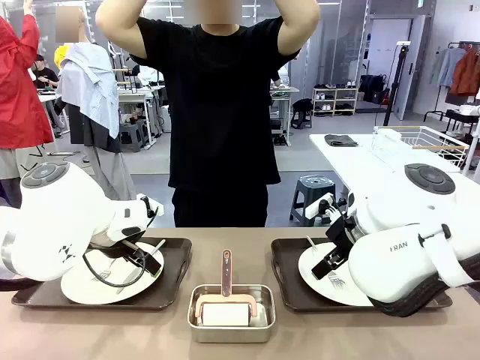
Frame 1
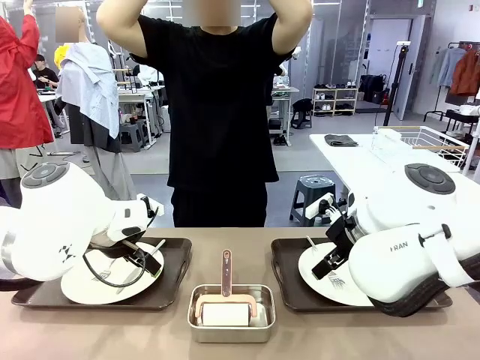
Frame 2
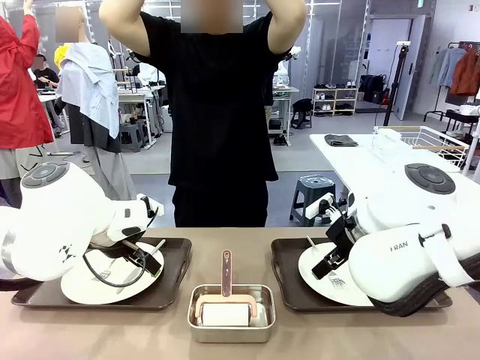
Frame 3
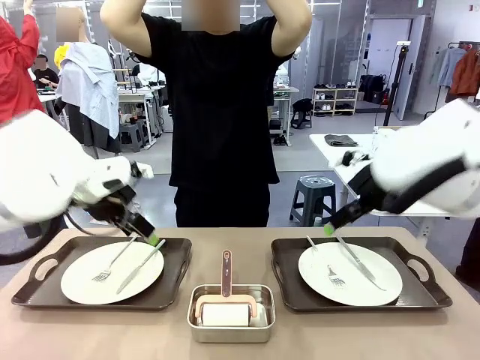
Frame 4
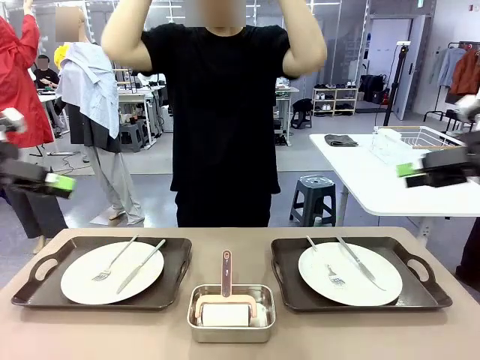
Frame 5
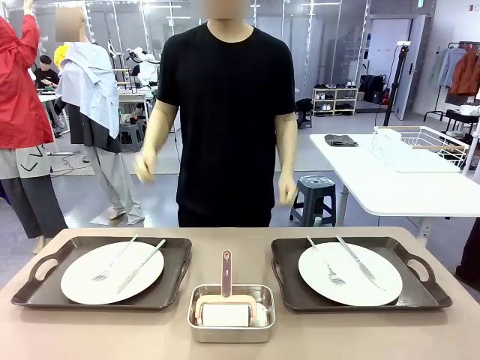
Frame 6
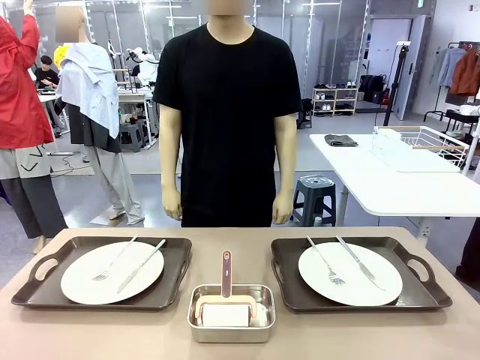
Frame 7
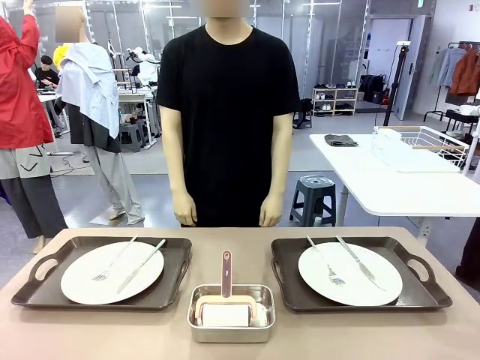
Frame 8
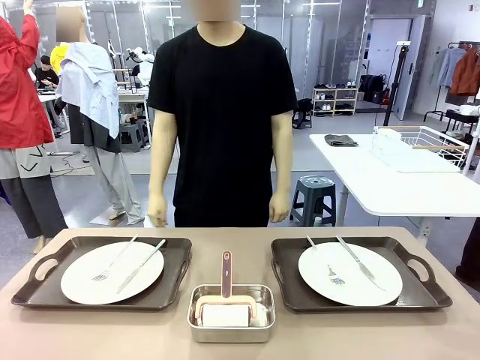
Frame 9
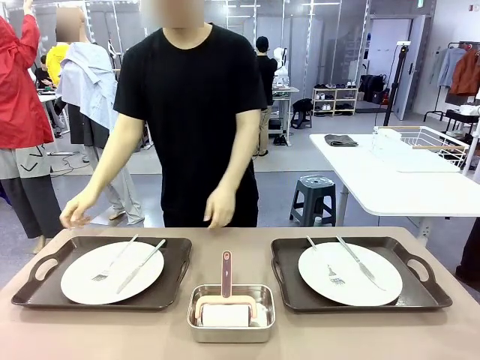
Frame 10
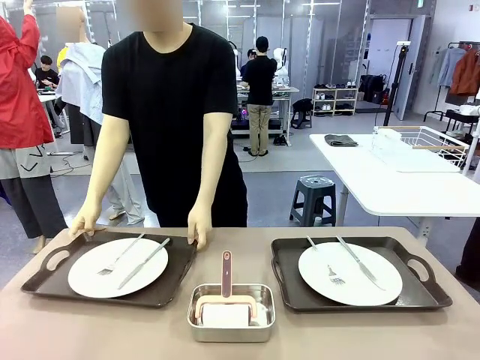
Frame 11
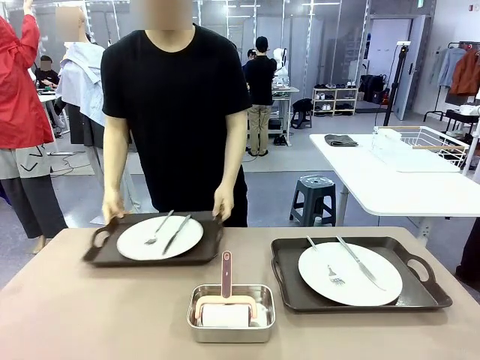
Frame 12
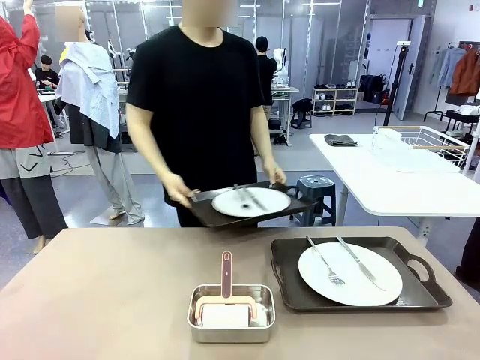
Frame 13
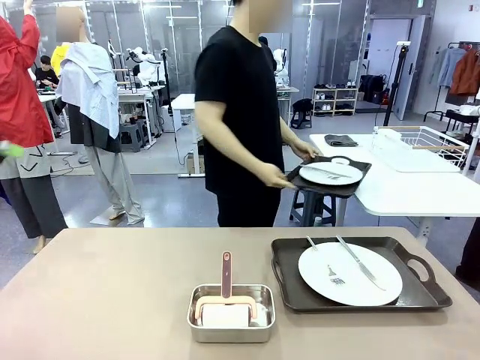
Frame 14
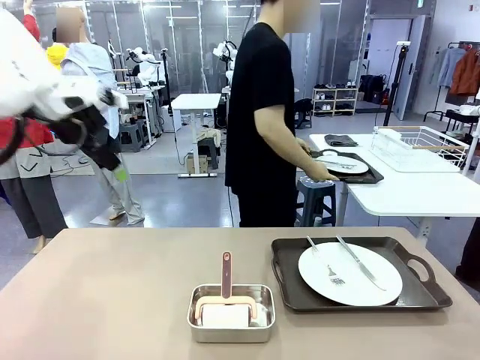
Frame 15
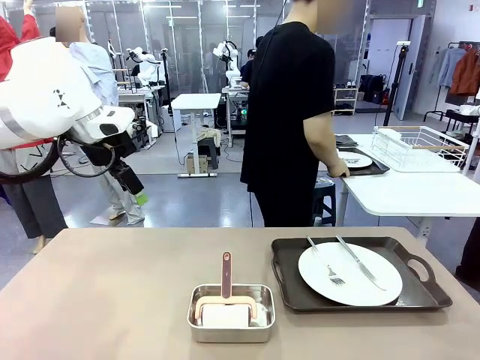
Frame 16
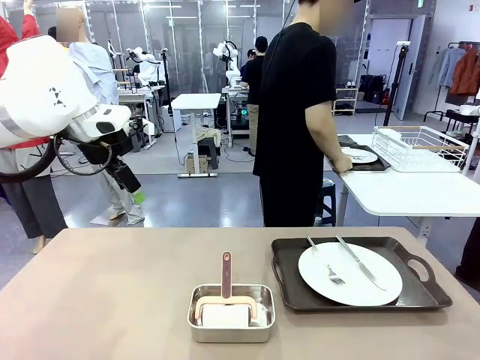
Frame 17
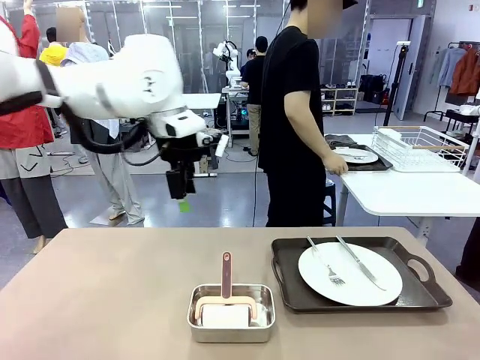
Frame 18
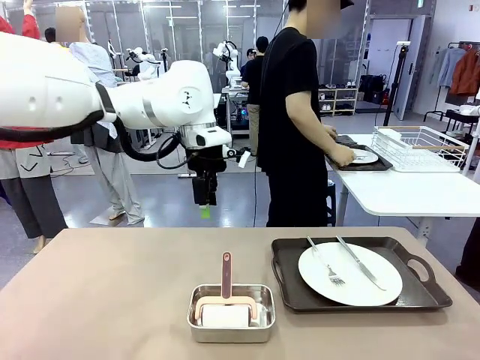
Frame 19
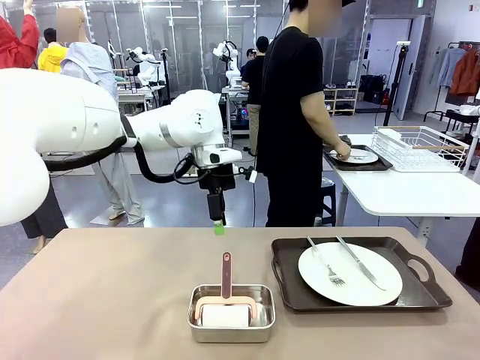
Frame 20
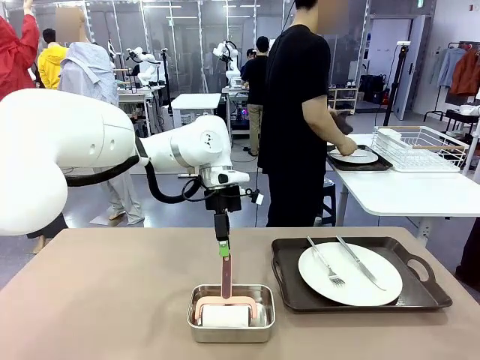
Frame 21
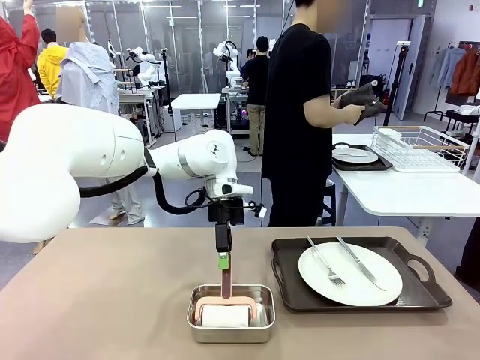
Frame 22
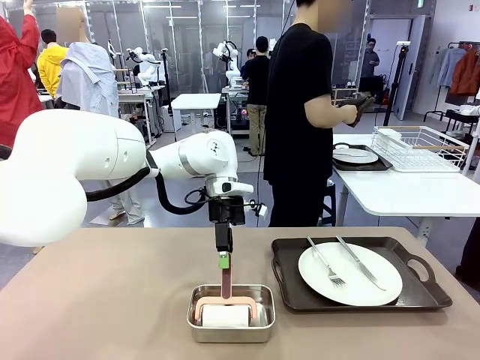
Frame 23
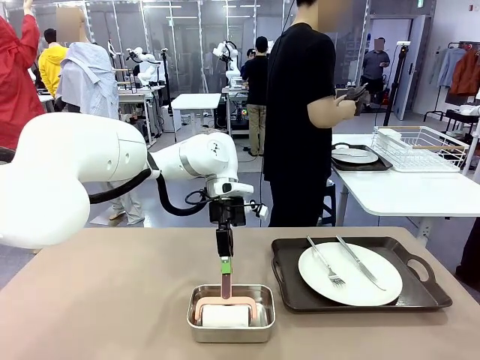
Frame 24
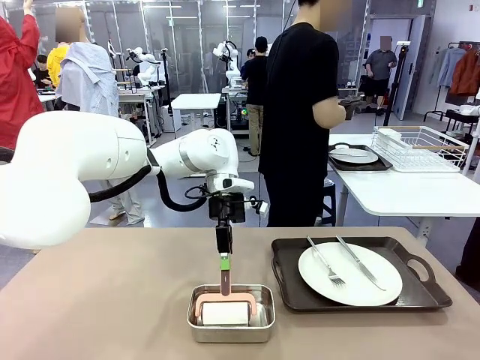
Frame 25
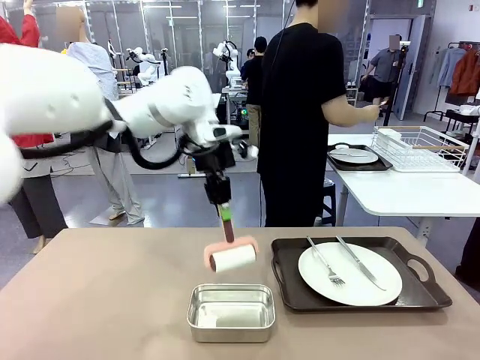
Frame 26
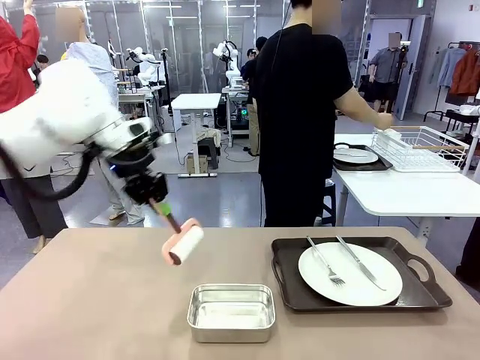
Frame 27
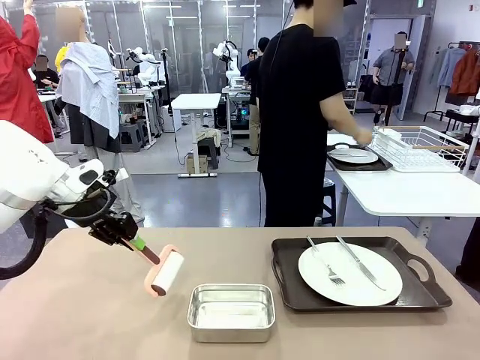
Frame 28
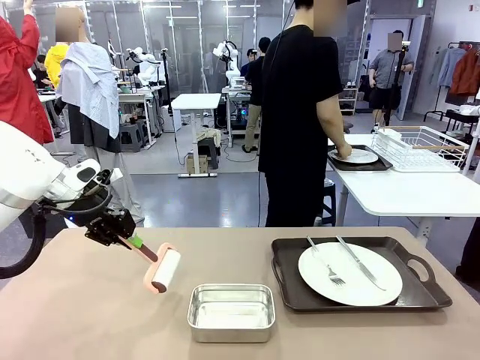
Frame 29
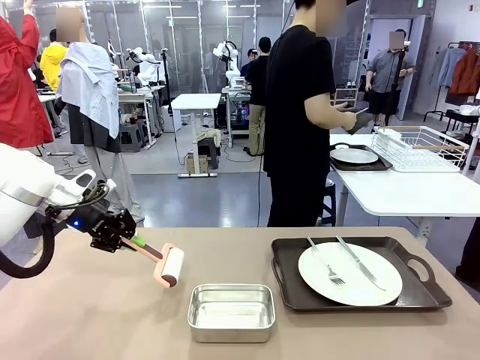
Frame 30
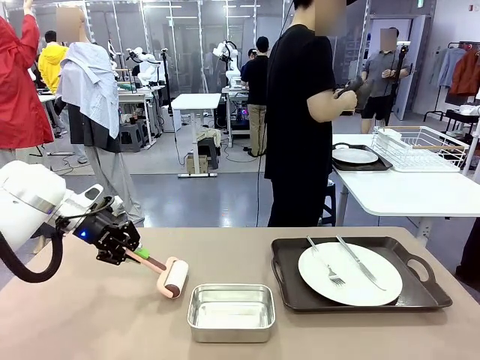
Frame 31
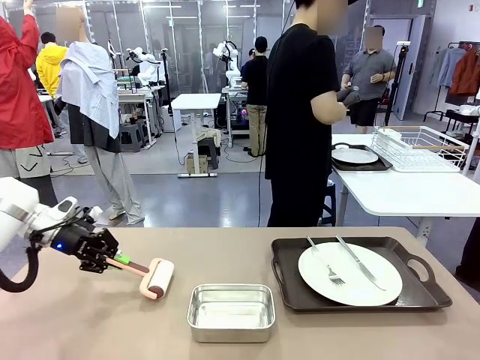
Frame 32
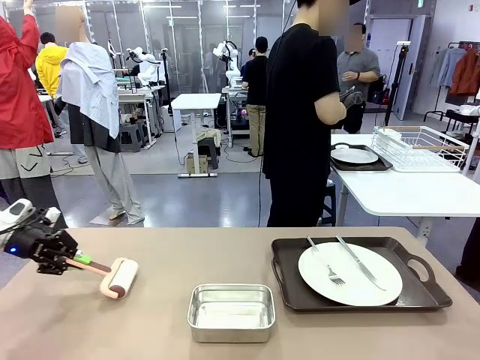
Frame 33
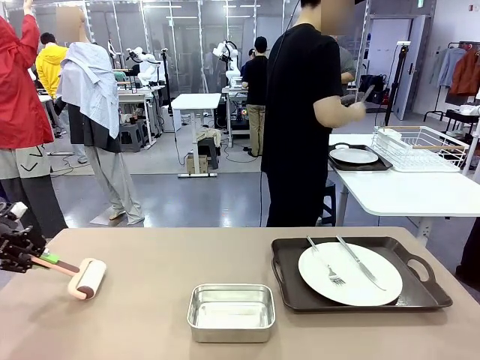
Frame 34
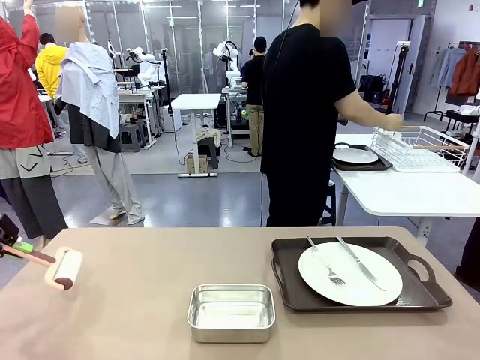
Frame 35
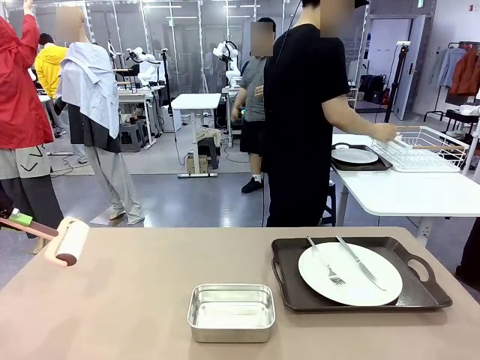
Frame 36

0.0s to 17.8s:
Robot: When the left (or right) Handle tray is removed, use the left hand (or right hand) to clean the left (or right) side of the table with the Lint Roller.
Person: Pick up the left (or right) Handle tray and place it on the middle of the Human's table. Use the Towel with hook to wipe the Plastic Matte Plate , Fork , and Knife and place into the Dish drying rack.

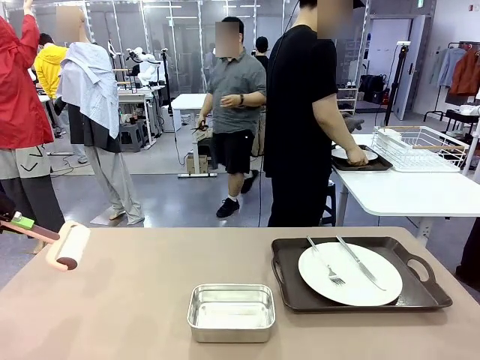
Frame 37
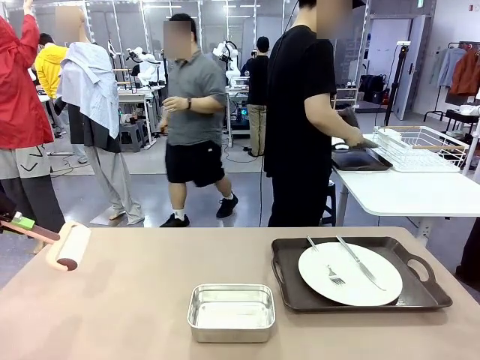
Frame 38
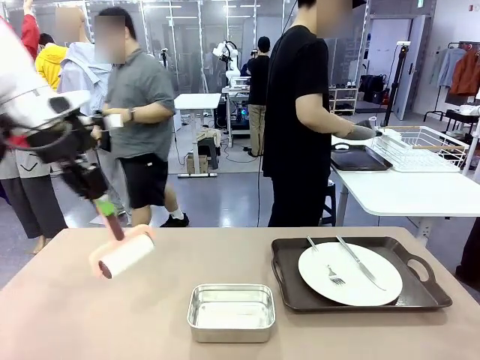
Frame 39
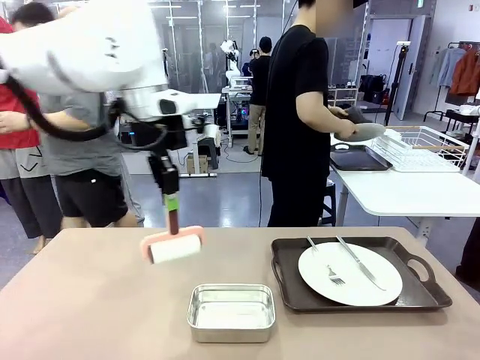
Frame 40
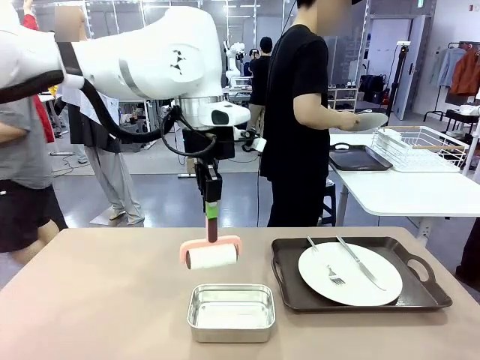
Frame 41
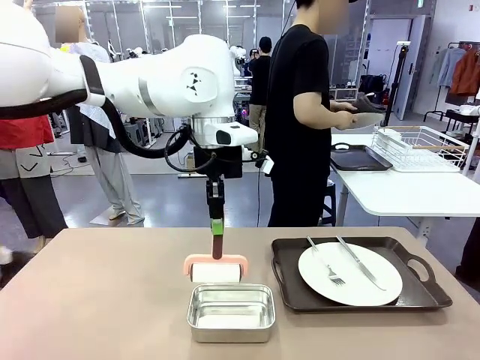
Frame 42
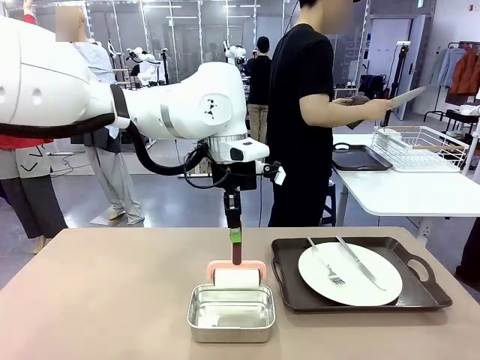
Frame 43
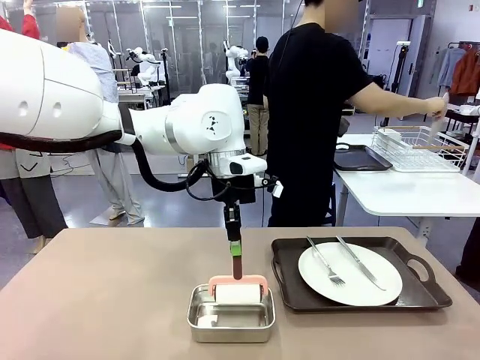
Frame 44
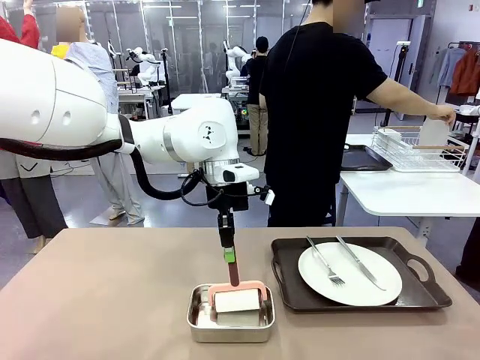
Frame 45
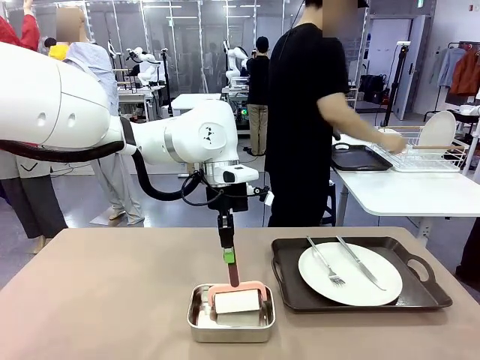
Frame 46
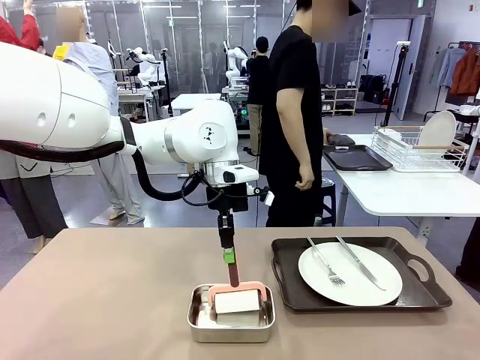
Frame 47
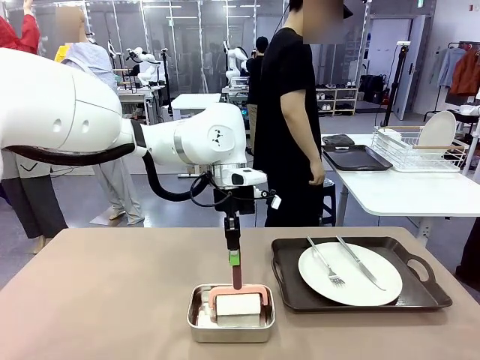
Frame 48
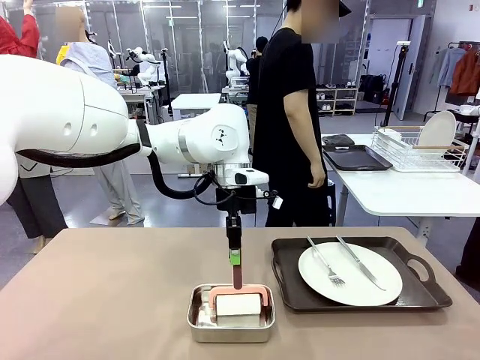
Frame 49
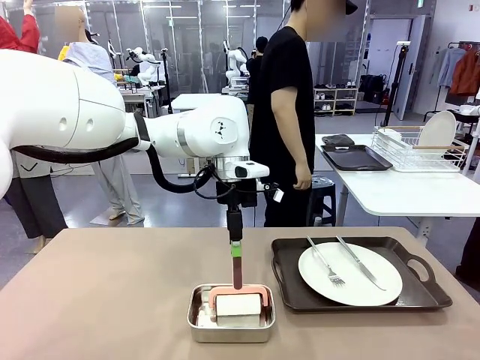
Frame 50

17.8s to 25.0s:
Robot: Place the Lint Roller back on top of the Airtight Container.

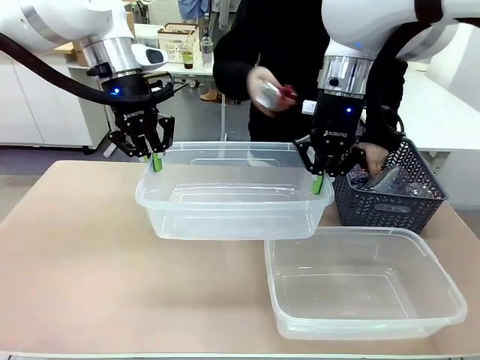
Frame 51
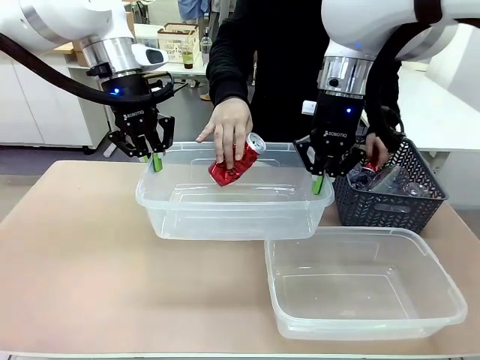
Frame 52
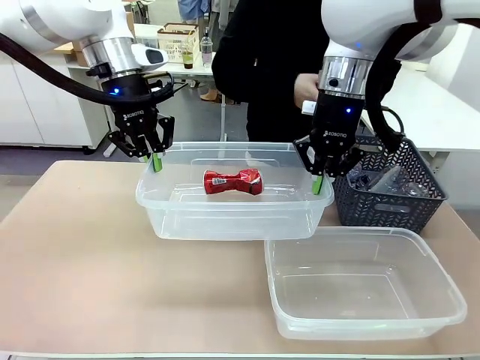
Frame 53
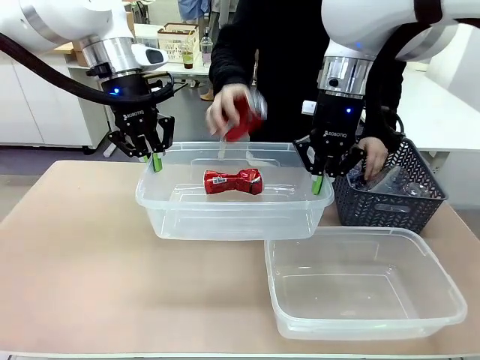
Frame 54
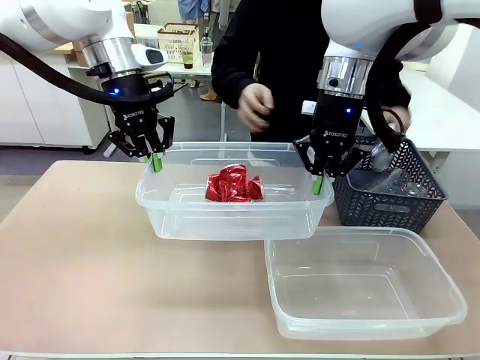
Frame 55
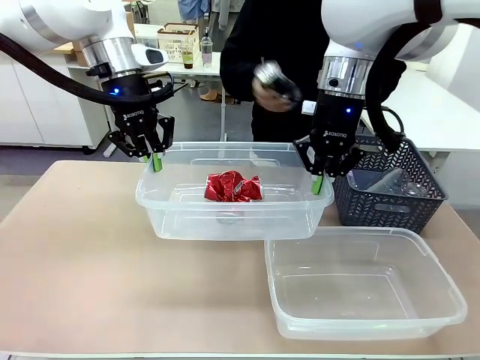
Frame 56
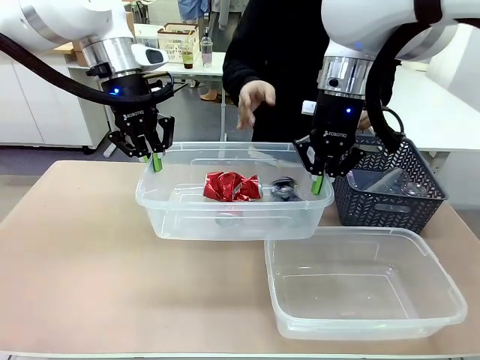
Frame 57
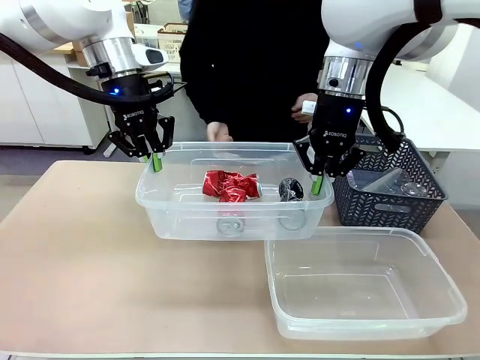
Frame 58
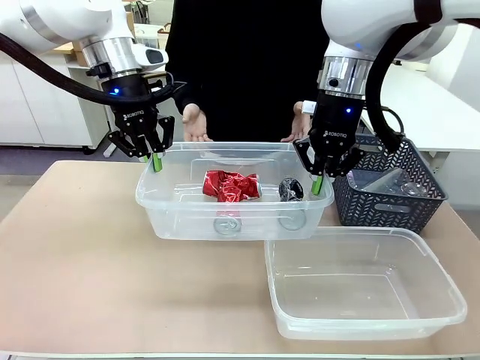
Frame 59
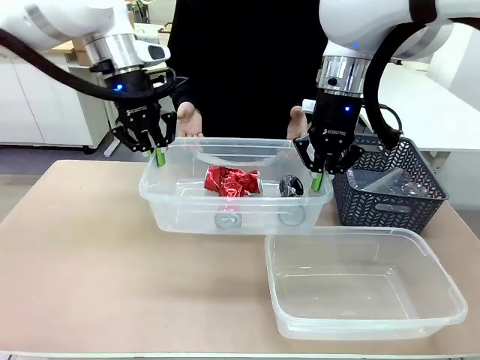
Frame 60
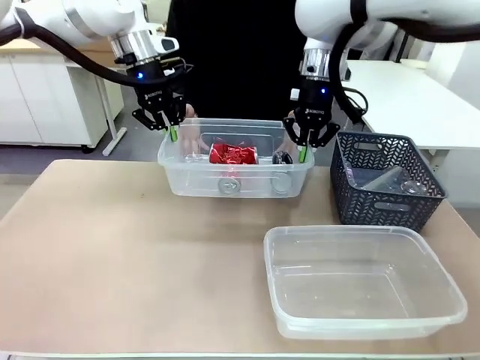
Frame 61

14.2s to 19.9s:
Robot: Offer the picked Organizing box to the human.
